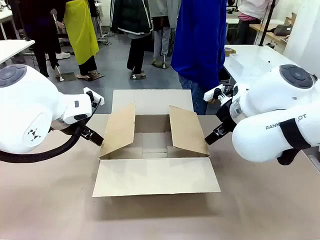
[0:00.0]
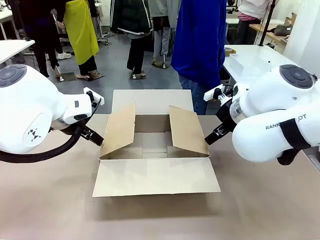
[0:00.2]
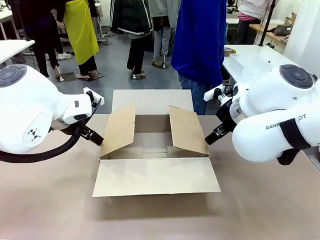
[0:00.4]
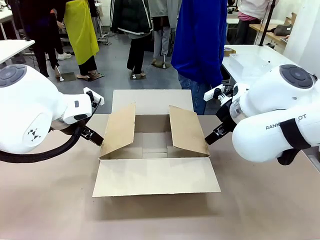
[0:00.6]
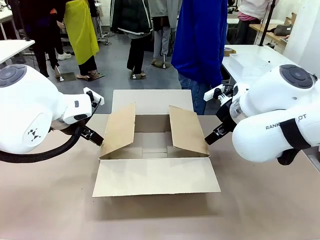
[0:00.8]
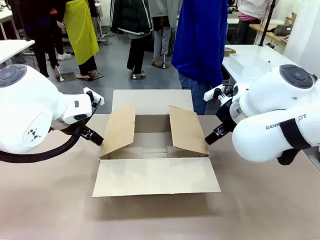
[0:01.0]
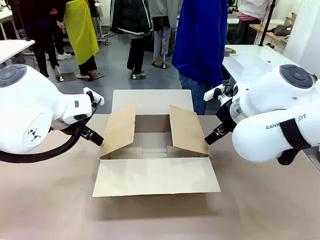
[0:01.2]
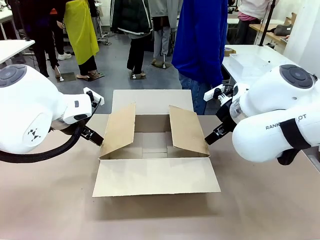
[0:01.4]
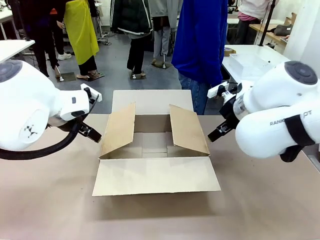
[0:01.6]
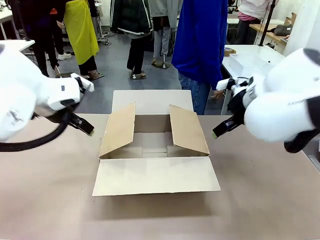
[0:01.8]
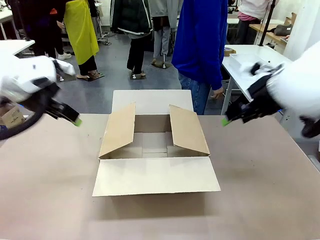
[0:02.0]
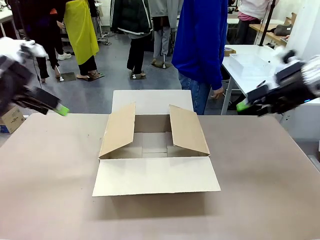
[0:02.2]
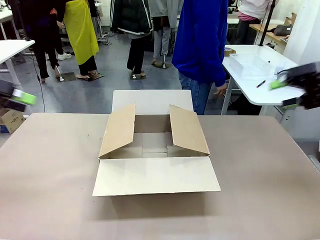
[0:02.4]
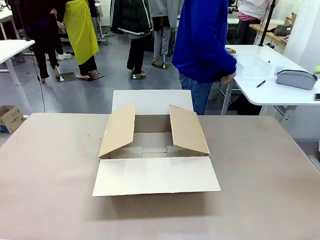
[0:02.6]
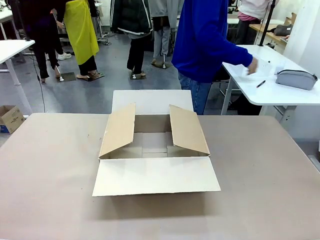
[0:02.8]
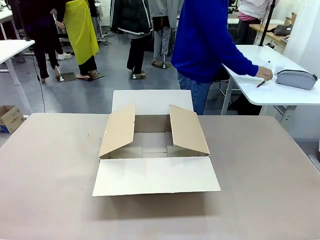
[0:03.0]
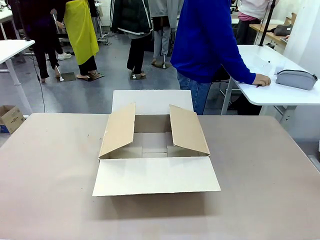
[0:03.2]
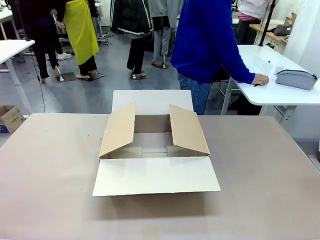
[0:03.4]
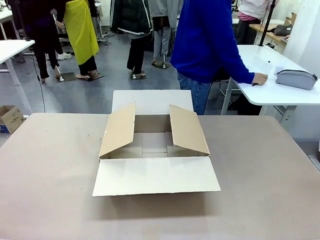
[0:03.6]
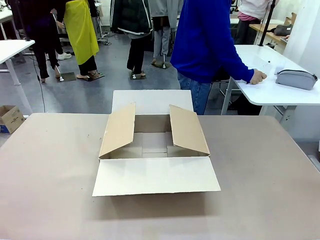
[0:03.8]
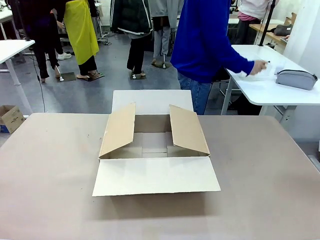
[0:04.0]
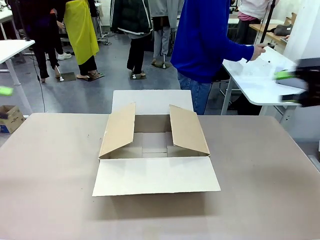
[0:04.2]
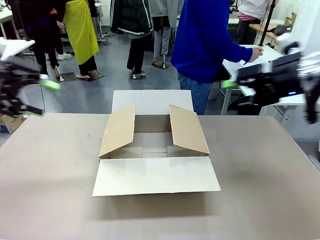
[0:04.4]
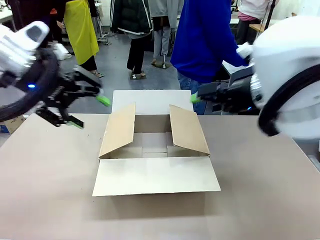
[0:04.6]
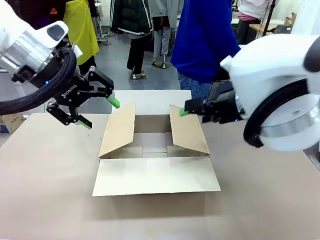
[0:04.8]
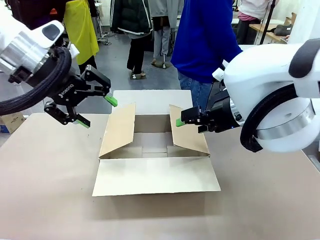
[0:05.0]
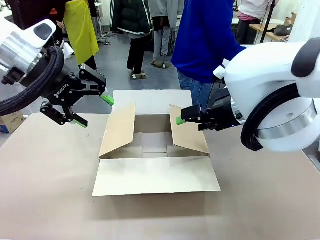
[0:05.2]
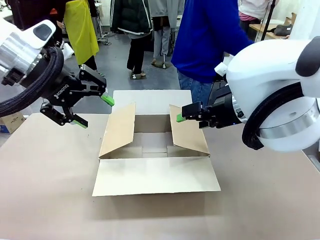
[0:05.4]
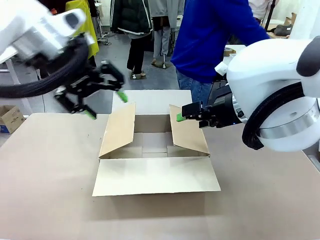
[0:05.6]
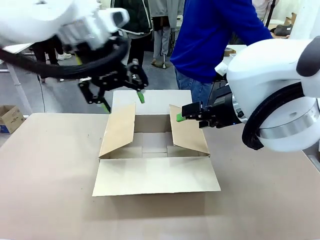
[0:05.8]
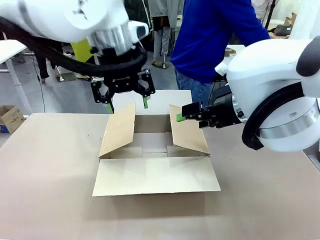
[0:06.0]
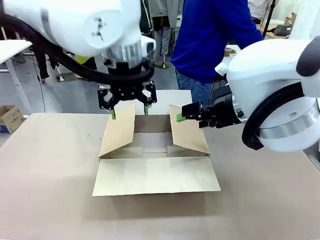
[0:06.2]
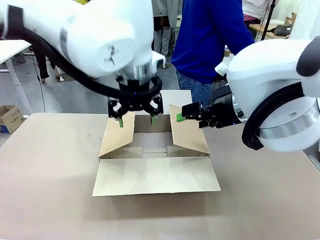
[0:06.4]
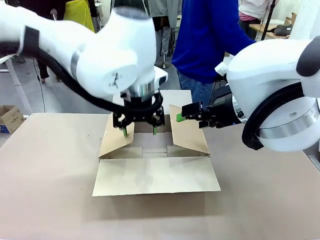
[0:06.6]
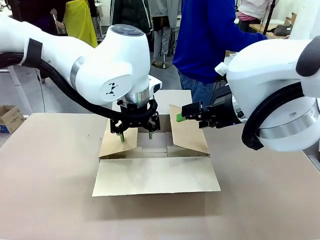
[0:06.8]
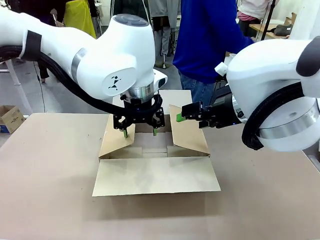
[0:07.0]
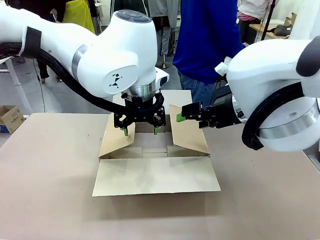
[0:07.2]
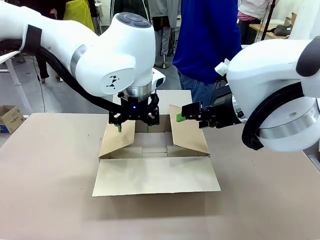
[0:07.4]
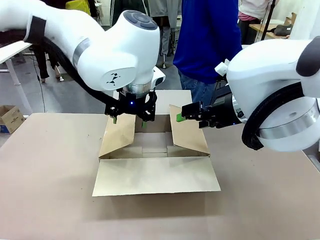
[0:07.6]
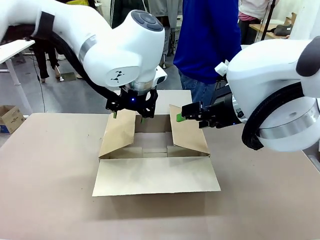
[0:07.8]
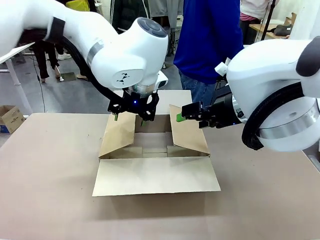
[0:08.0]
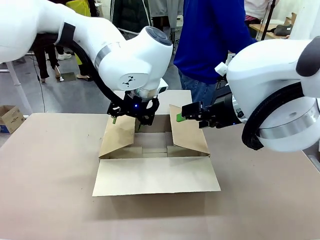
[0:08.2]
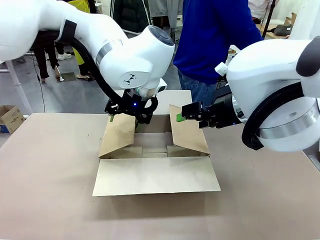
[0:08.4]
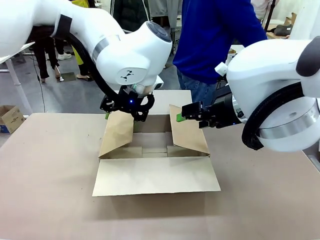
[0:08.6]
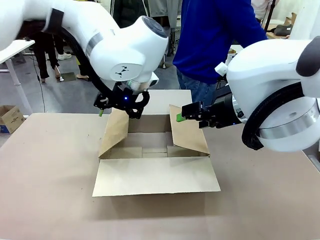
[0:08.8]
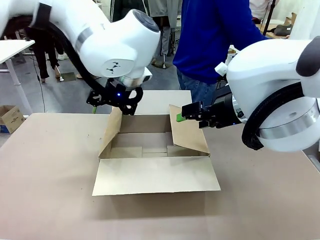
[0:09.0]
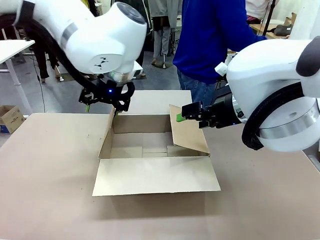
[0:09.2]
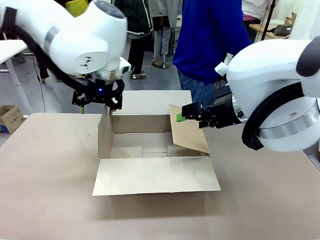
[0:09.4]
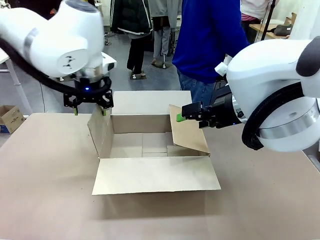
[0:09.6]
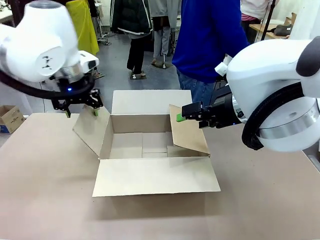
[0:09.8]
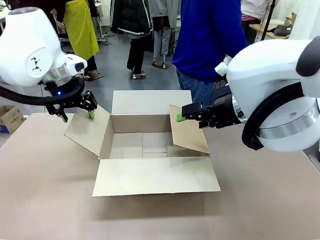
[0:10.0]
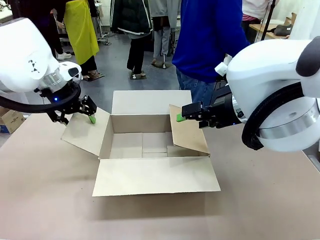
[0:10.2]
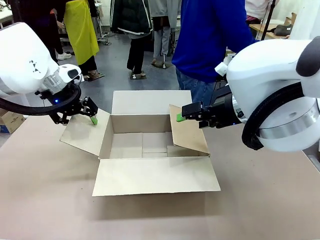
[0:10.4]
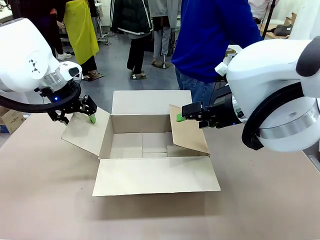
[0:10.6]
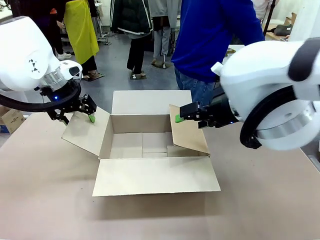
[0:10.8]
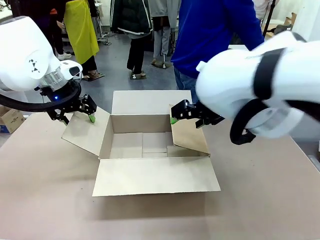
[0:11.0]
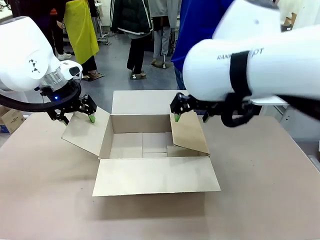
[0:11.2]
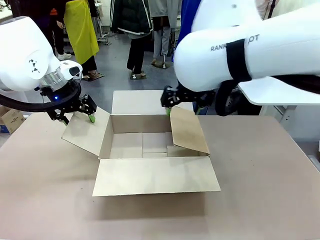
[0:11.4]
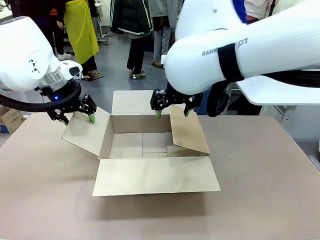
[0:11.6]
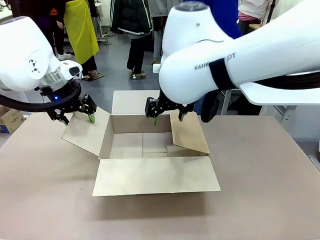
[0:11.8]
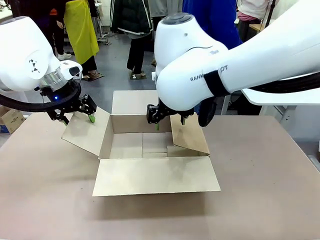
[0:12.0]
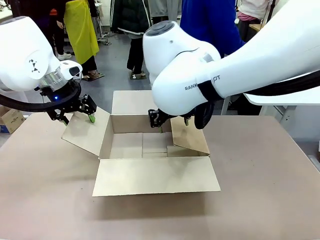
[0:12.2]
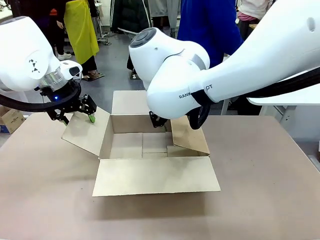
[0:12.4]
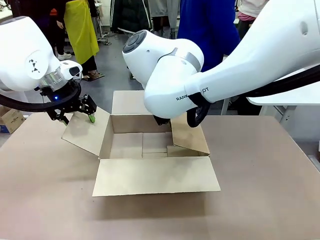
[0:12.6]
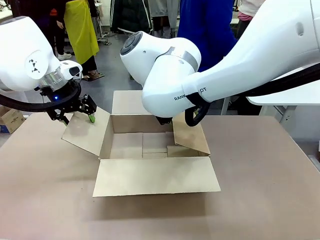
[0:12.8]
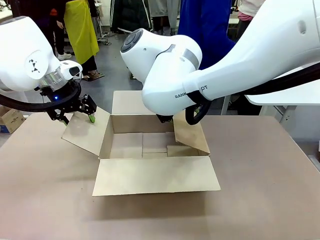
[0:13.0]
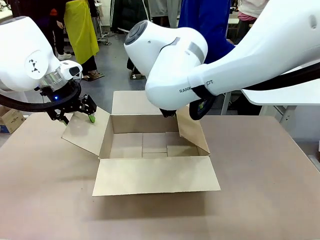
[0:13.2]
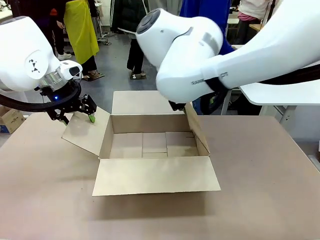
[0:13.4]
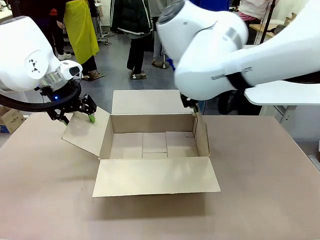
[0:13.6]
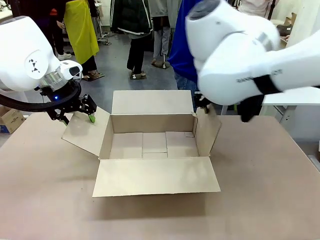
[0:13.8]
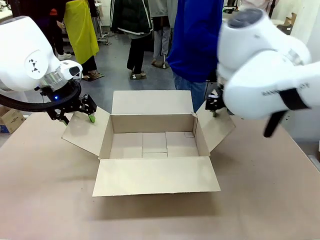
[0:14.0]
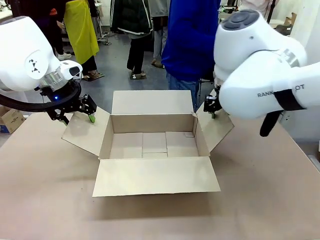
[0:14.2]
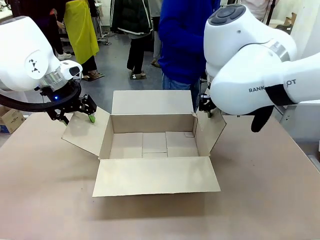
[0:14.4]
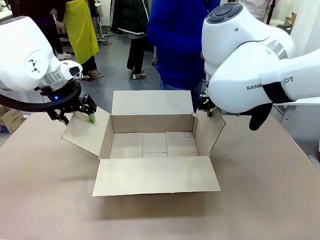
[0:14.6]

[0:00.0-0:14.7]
Task: Pack the gift set into the box.
Robot: Place both hands on the side flaps of the Package Box and spread them outward.
Person: The human places all items except the paper tape into the organizing basket.

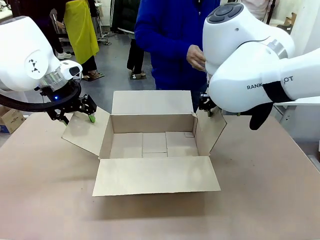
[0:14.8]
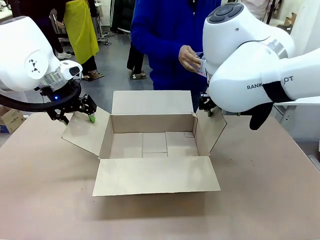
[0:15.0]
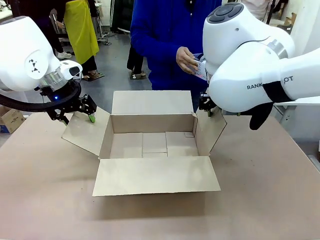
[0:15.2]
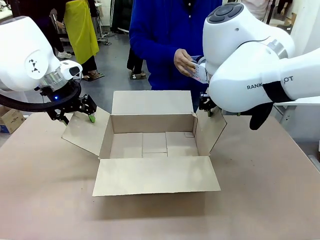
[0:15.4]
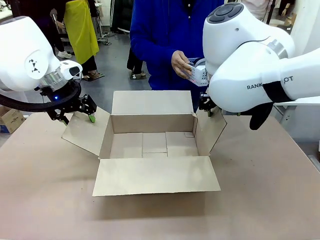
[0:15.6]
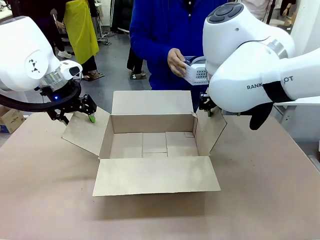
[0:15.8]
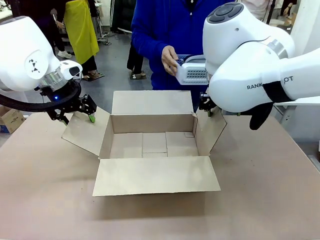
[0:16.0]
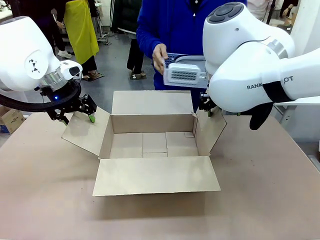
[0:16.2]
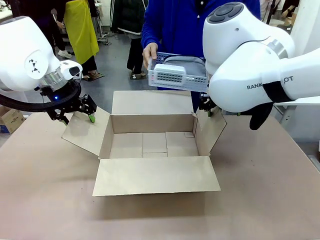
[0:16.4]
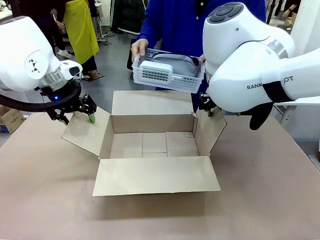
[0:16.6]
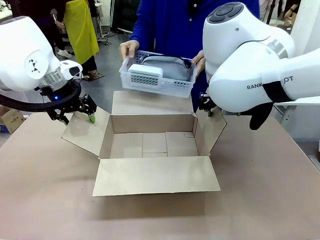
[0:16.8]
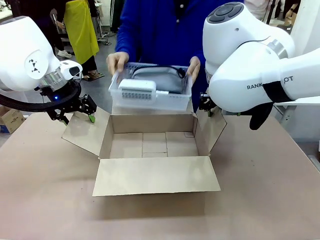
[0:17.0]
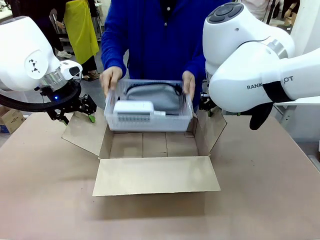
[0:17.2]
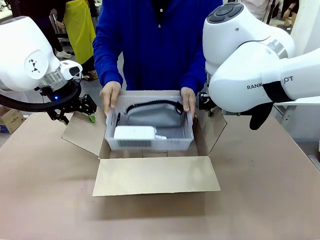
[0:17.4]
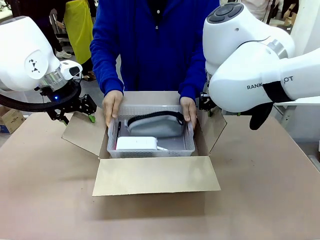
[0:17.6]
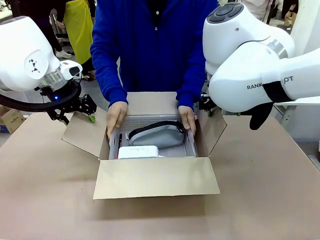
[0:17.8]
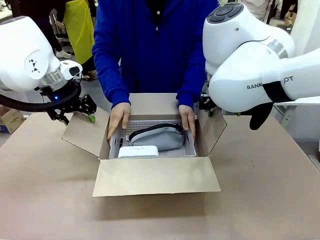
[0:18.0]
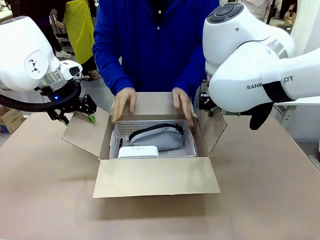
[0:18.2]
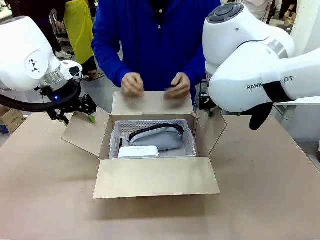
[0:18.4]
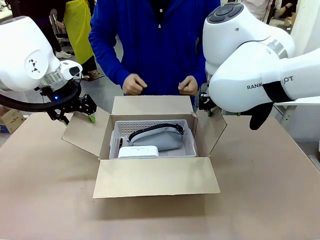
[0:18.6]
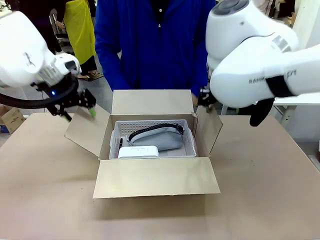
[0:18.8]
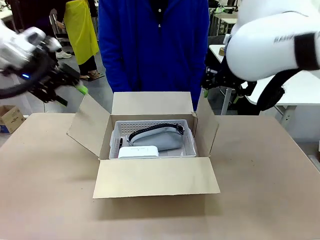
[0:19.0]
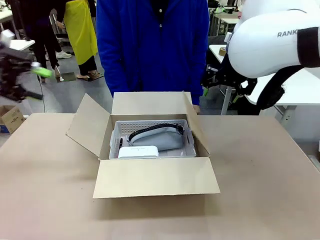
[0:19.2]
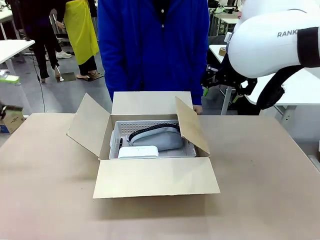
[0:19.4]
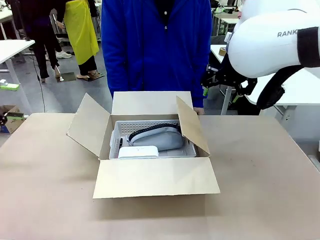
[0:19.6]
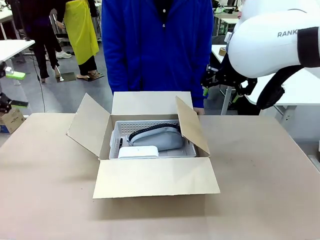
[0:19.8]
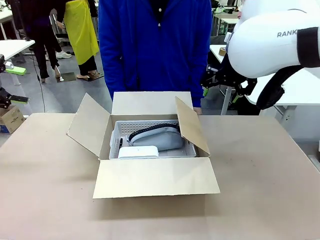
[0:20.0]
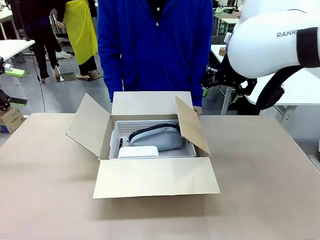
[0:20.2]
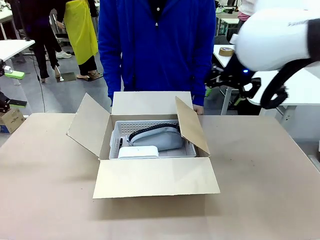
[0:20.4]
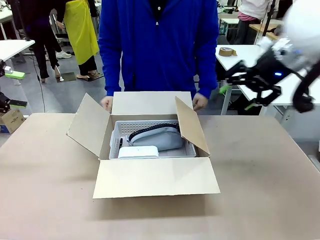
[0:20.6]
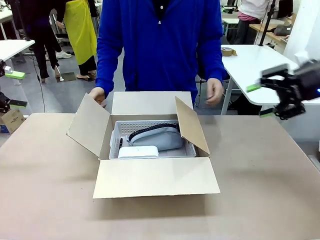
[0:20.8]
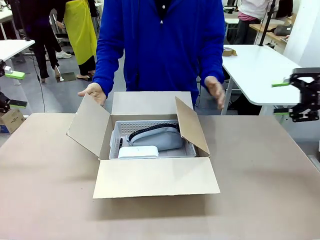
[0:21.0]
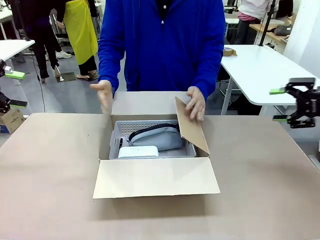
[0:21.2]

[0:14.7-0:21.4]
Robot: Lift both hands away from the flaps of the Package Box.
Person: The human picks up the organizing basket and places the organizing basket into the package box on the robot table.
